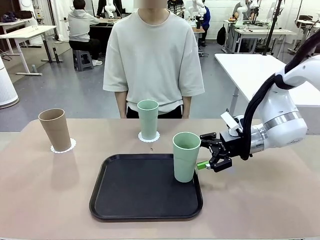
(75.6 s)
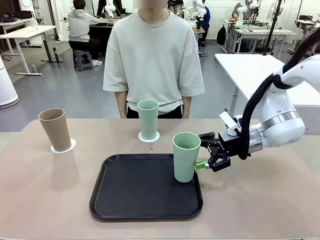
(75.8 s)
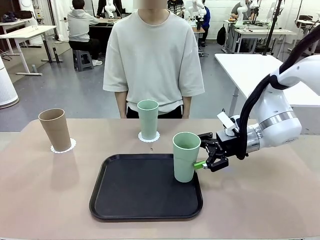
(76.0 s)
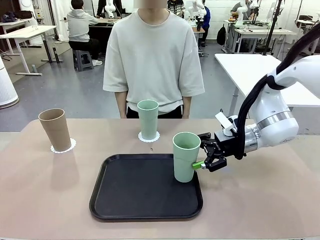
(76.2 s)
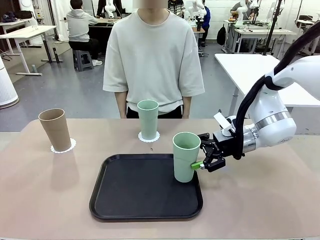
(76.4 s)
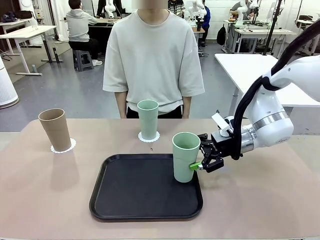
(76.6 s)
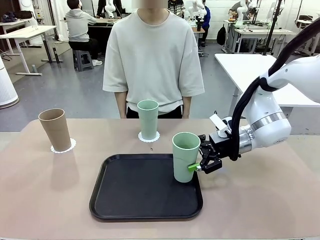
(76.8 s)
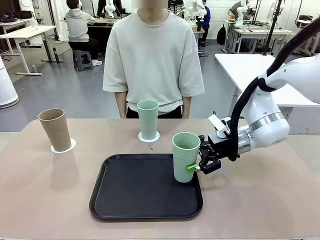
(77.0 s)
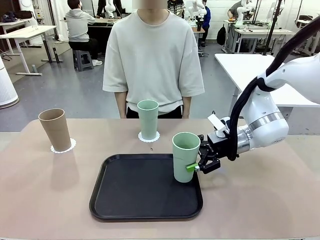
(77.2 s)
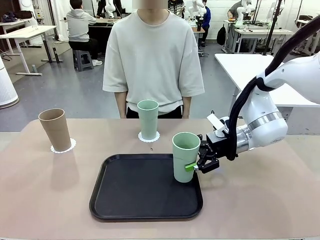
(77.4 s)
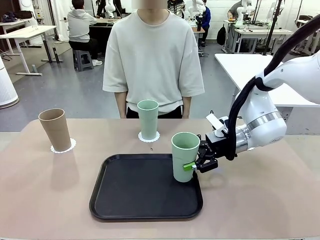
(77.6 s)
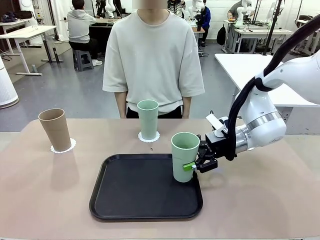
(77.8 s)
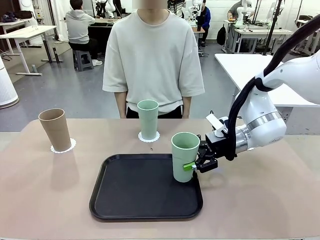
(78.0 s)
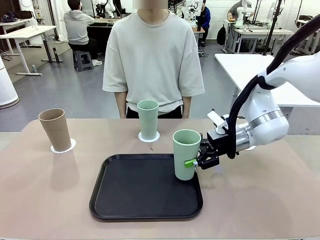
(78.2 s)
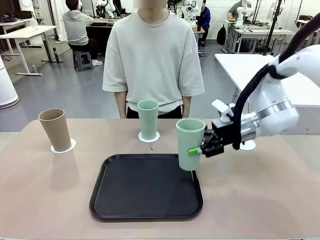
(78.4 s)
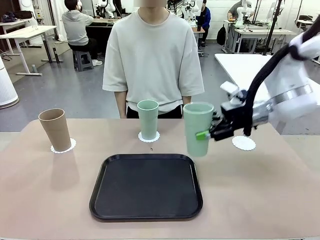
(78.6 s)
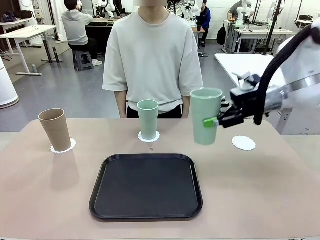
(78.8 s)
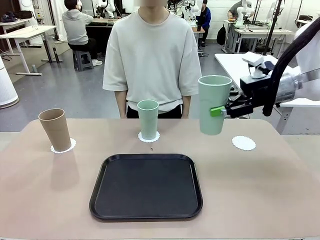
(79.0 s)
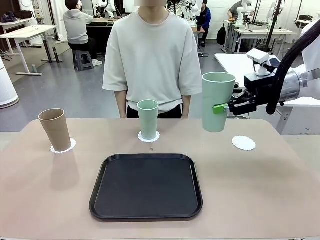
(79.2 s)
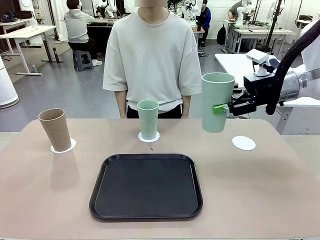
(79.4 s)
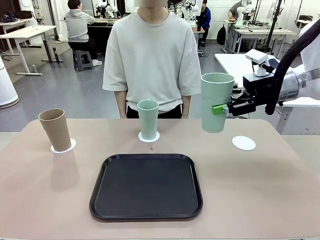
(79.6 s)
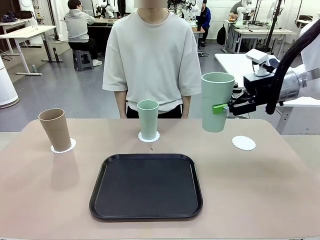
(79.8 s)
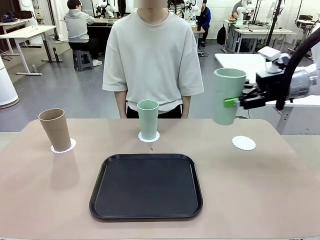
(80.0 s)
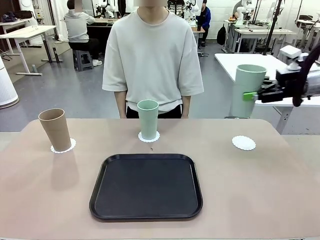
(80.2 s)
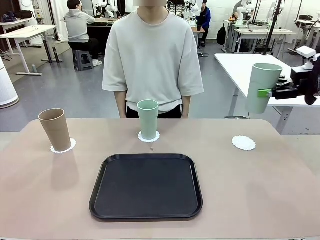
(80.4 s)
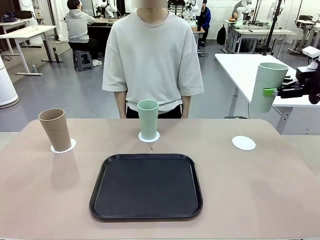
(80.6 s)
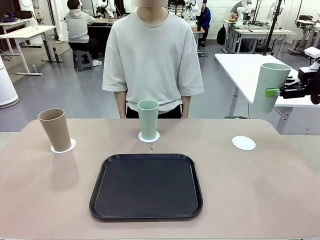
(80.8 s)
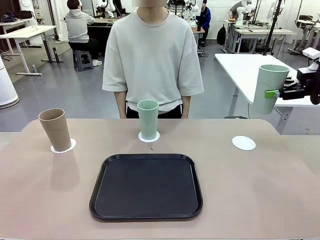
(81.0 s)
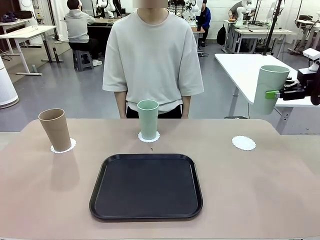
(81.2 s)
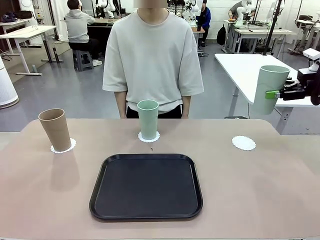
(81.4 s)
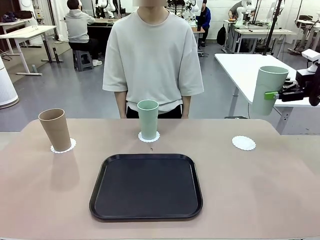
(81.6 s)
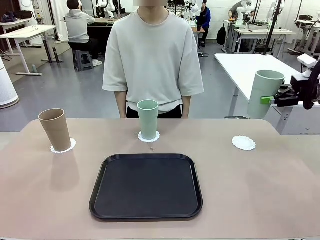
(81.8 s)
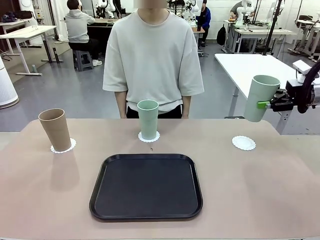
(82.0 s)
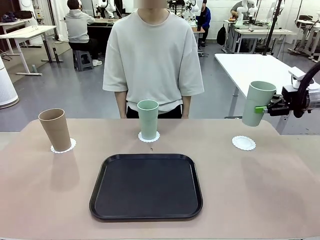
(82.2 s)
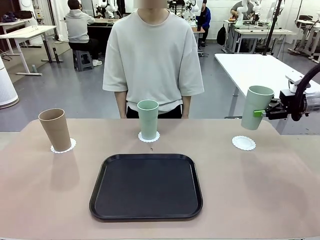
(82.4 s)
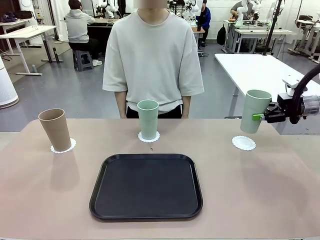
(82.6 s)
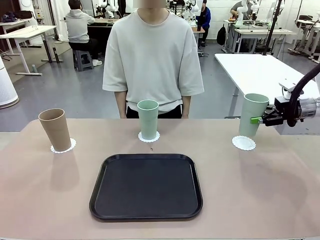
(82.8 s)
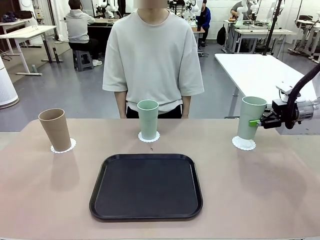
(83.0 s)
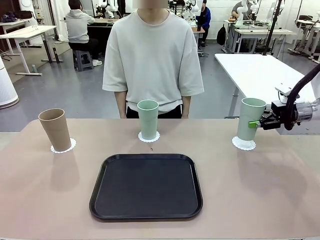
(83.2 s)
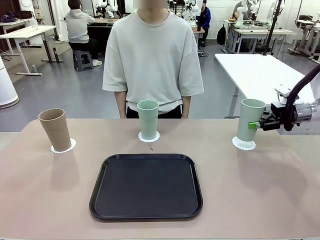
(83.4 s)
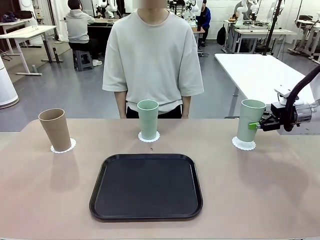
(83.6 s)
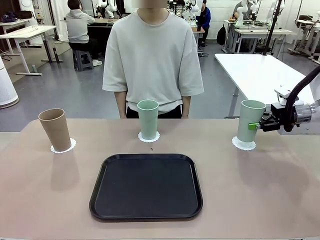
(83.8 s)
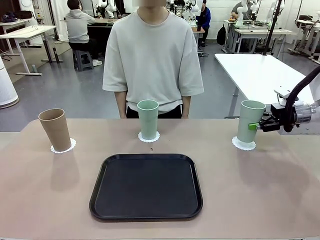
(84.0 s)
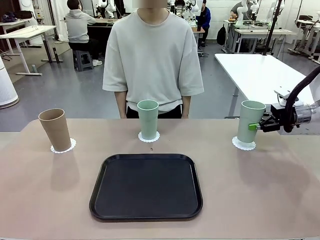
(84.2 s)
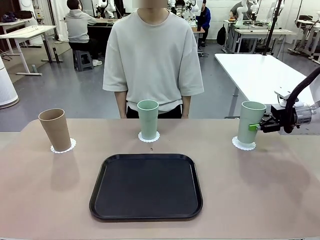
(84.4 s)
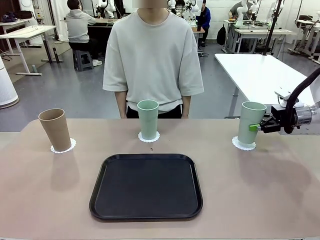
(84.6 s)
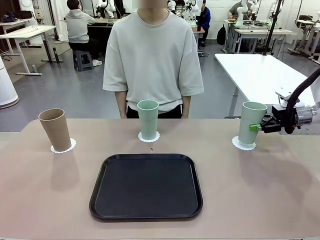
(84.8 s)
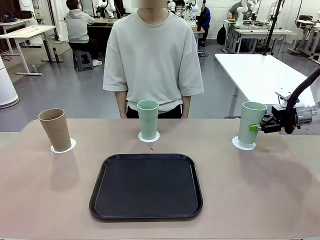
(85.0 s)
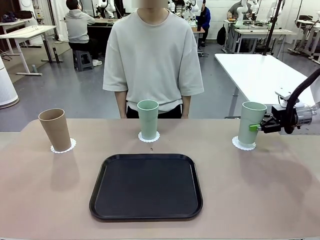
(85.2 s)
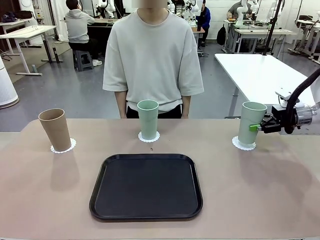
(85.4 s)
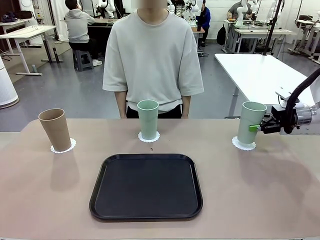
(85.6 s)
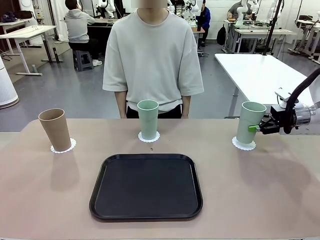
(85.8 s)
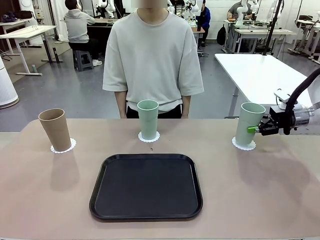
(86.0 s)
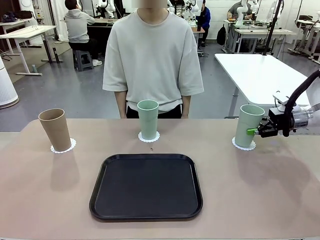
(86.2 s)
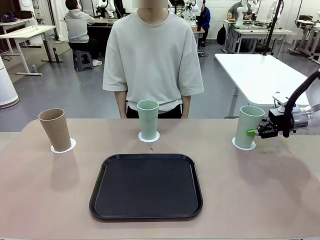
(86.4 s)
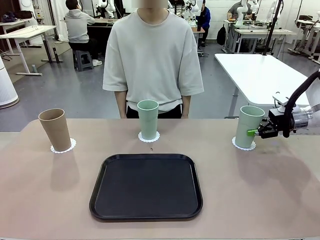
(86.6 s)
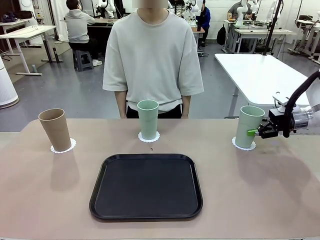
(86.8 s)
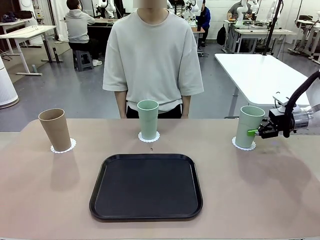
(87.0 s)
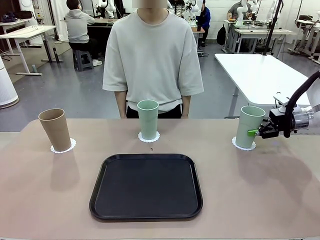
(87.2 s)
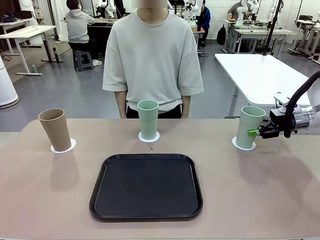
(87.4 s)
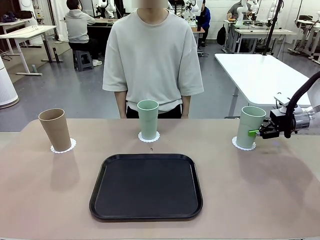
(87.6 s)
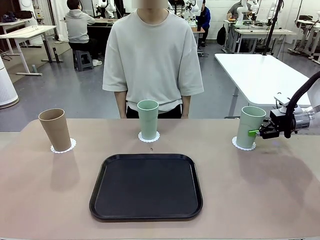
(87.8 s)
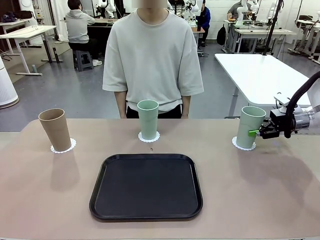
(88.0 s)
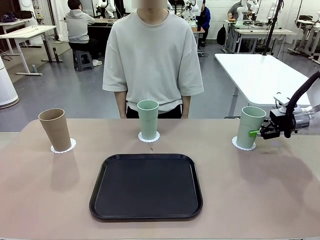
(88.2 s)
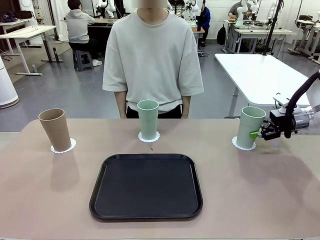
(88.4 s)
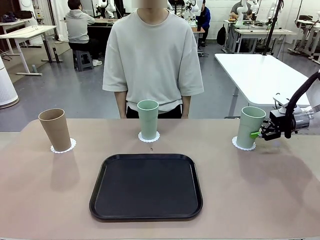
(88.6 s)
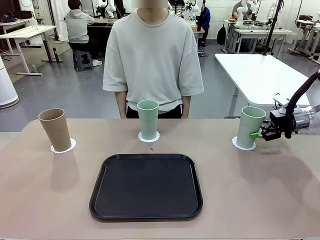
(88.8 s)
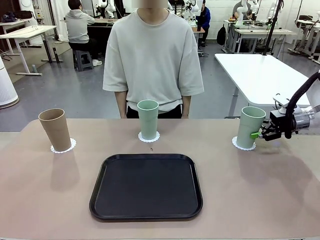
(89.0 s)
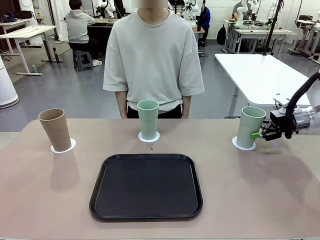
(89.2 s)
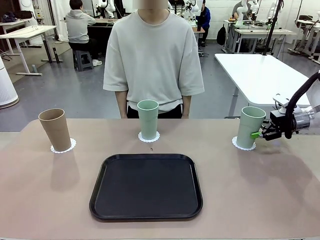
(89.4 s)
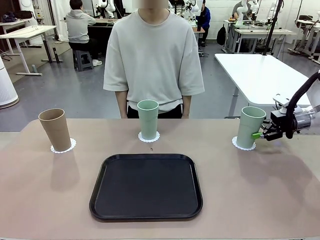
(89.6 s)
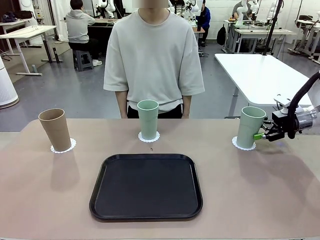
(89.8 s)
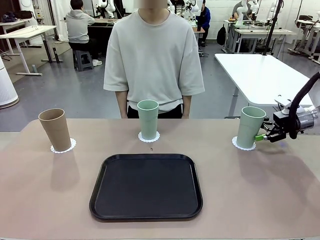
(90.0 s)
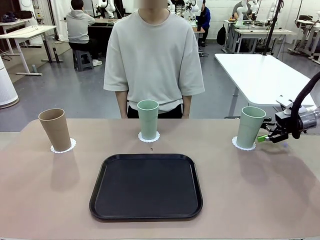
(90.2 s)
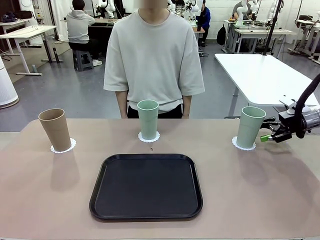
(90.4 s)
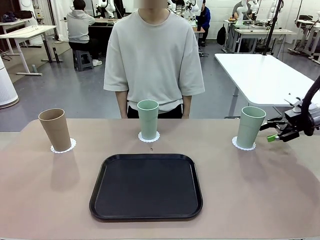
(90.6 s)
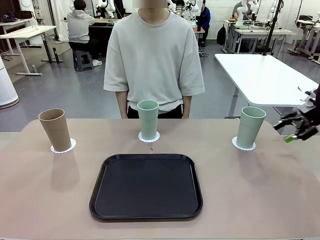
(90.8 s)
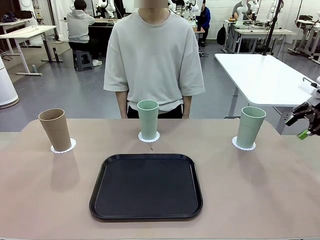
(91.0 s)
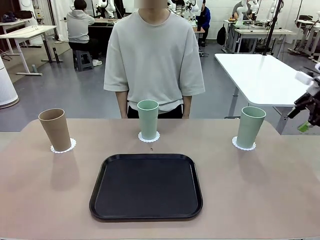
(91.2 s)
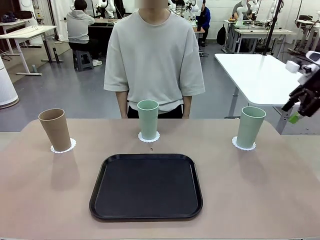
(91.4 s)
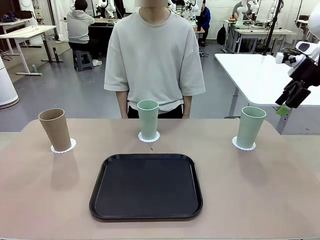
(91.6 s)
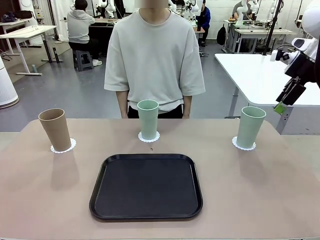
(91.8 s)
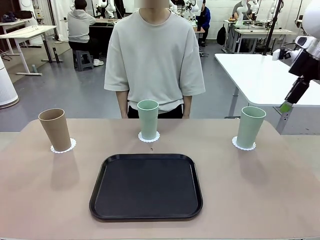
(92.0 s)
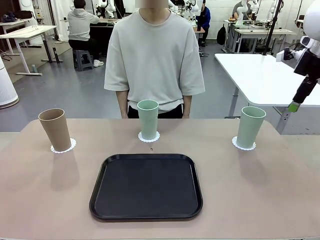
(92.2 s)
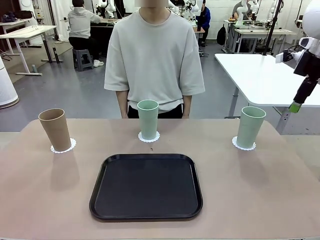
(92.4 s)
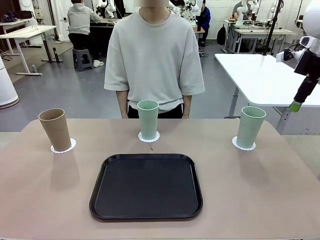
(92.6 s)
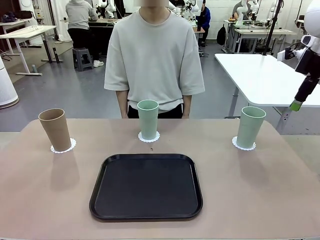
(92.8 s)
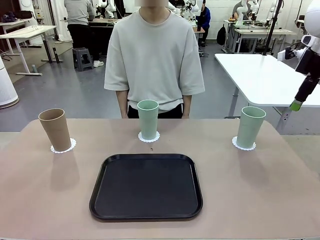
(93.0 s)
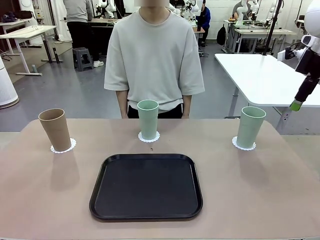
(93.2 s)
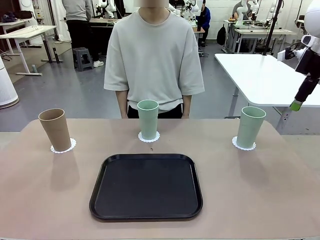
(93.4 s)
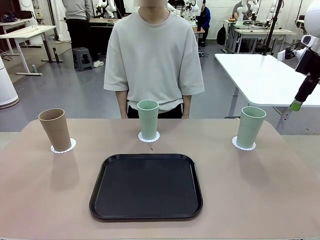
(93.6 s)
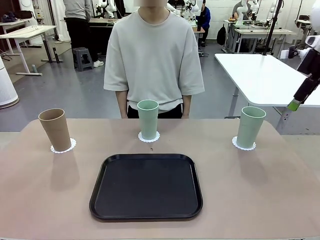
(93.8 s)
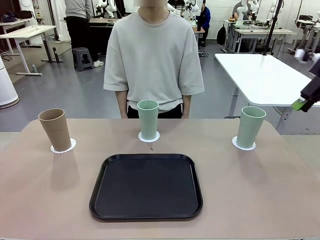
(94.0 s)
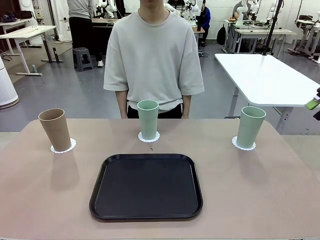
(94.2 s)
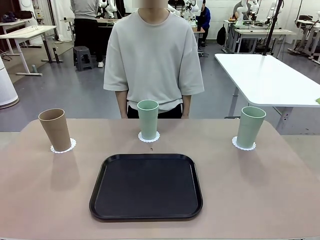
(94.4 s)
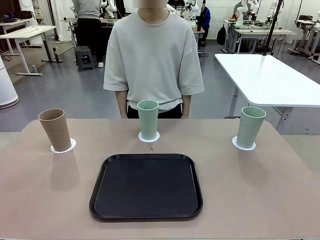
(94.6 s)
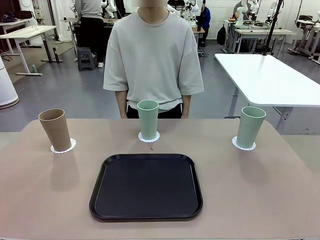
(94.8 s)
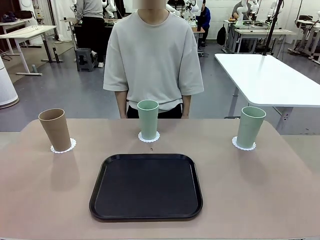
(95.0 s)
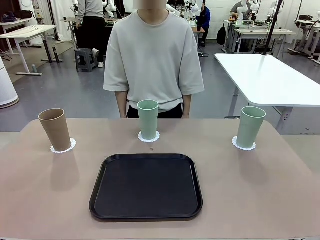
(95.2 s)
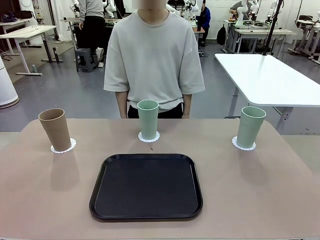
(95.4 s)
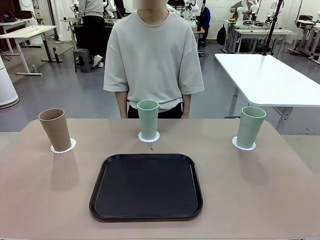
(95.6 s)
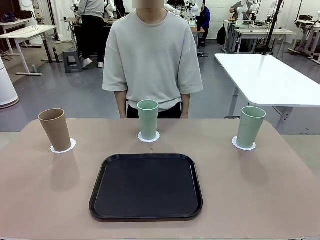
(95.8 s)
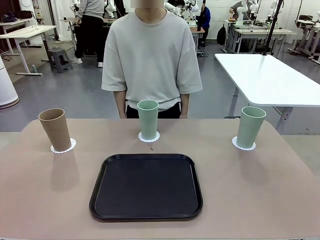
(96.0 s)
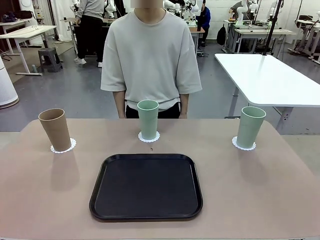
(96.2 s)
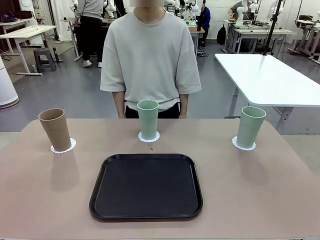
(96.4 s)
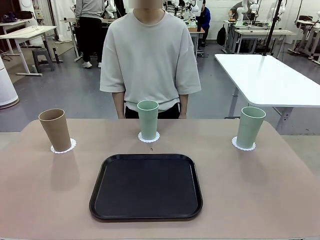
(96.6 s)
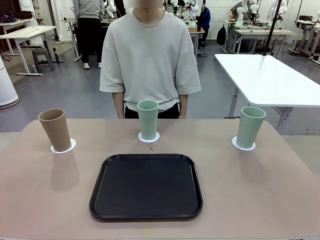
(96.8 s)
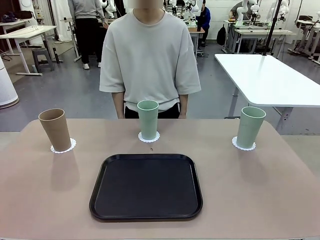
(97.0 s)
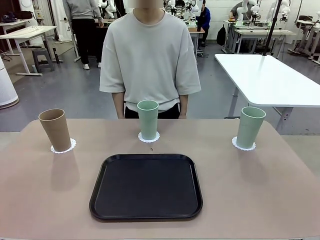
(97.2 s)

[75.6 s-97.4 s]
Task: Place coasters on the table and set cups on them.
Robot: Take one Reusable plastic cup from the Flat Tray and place it on a coaster set by the human.
